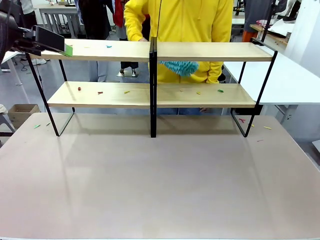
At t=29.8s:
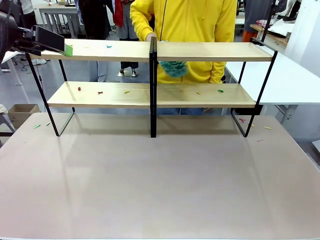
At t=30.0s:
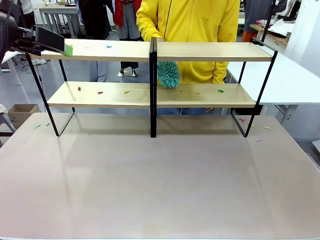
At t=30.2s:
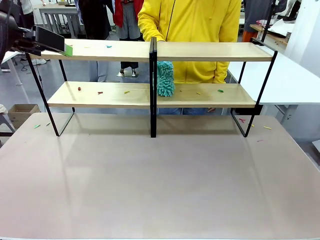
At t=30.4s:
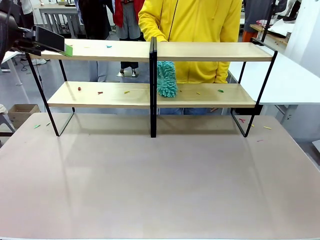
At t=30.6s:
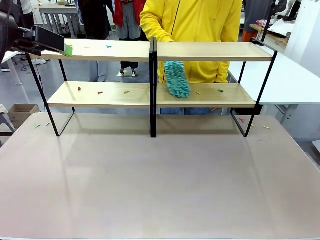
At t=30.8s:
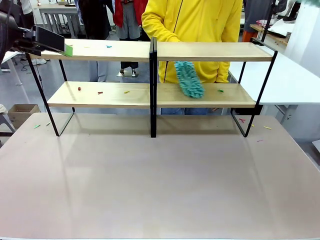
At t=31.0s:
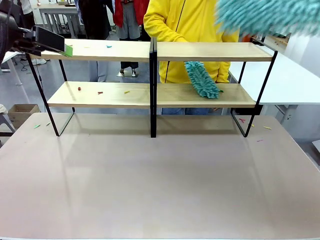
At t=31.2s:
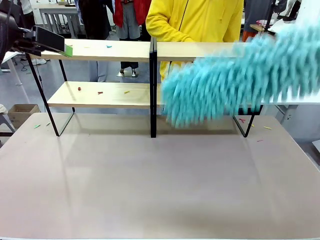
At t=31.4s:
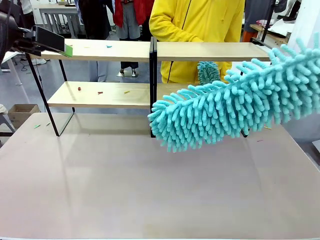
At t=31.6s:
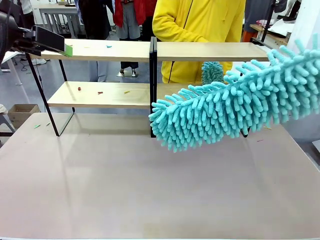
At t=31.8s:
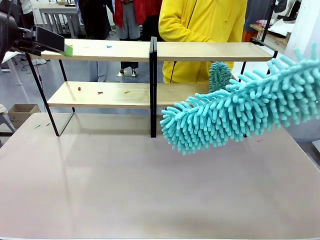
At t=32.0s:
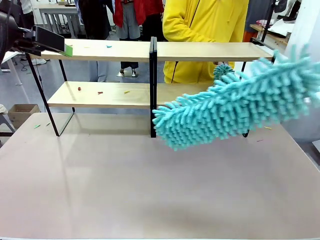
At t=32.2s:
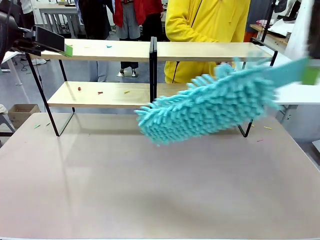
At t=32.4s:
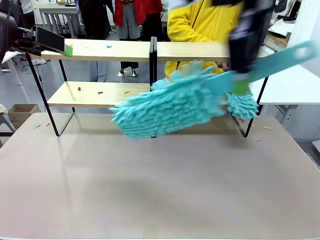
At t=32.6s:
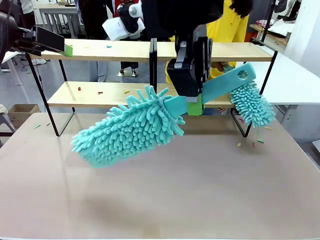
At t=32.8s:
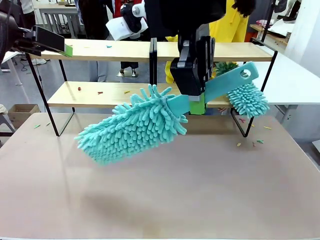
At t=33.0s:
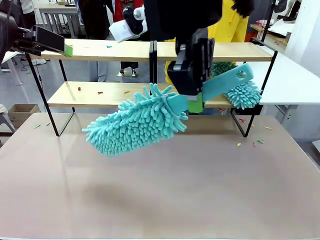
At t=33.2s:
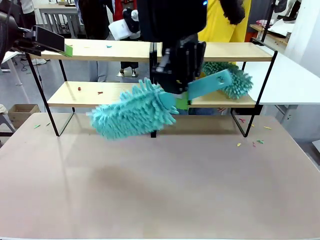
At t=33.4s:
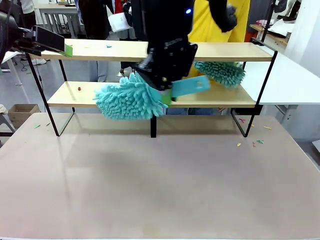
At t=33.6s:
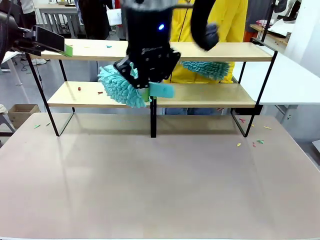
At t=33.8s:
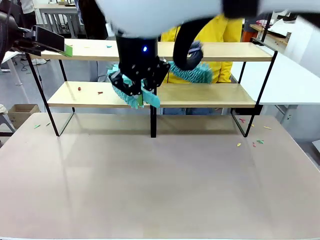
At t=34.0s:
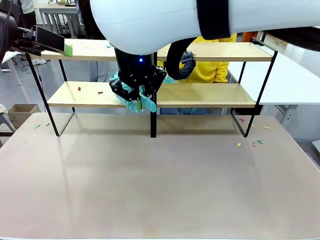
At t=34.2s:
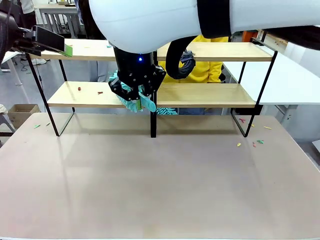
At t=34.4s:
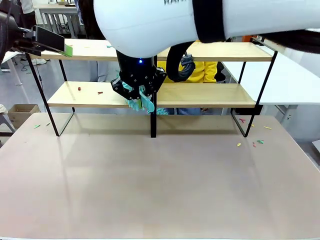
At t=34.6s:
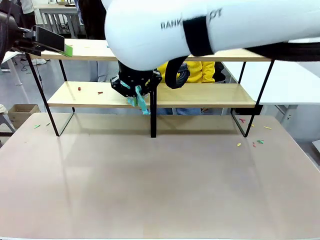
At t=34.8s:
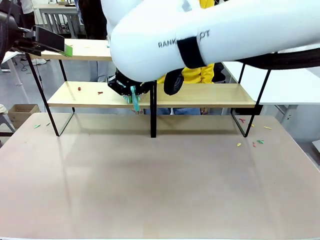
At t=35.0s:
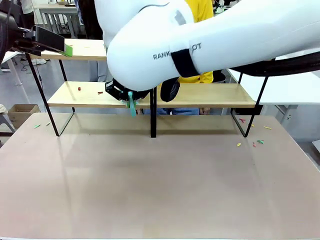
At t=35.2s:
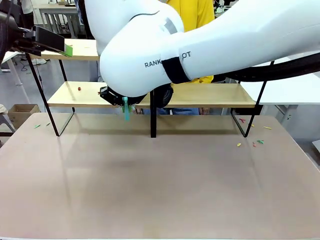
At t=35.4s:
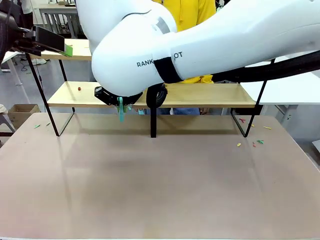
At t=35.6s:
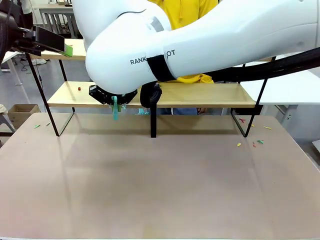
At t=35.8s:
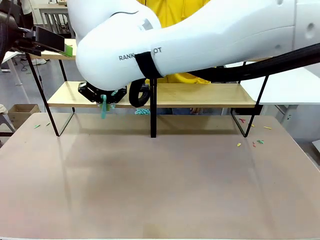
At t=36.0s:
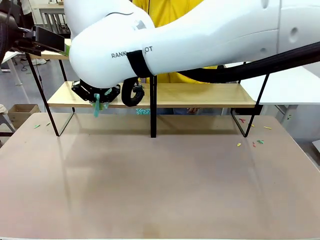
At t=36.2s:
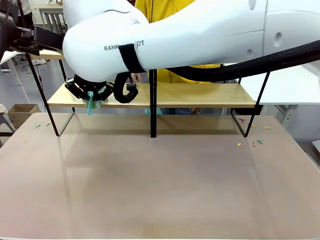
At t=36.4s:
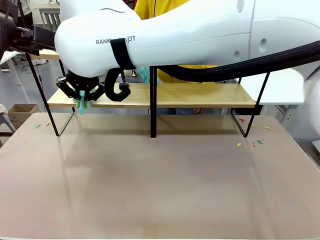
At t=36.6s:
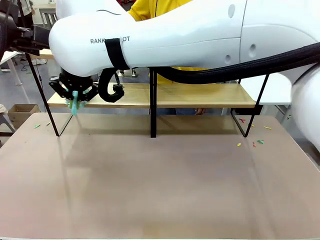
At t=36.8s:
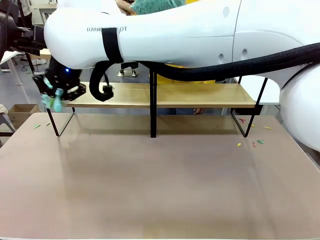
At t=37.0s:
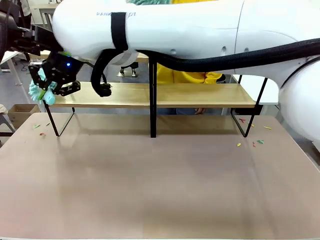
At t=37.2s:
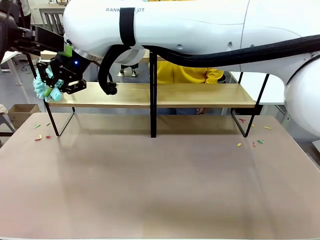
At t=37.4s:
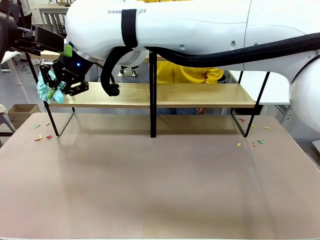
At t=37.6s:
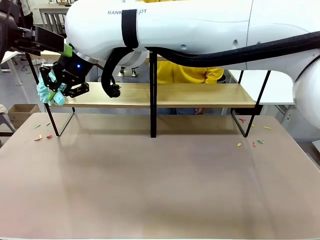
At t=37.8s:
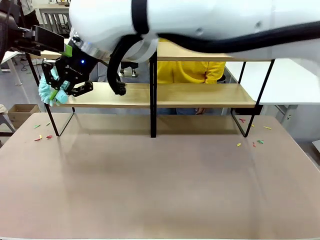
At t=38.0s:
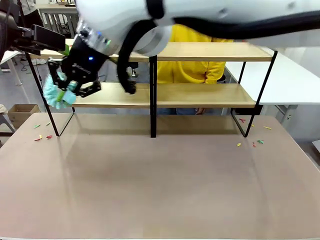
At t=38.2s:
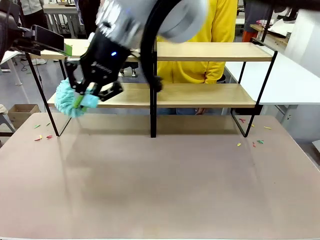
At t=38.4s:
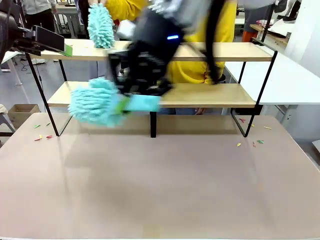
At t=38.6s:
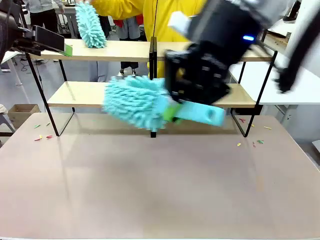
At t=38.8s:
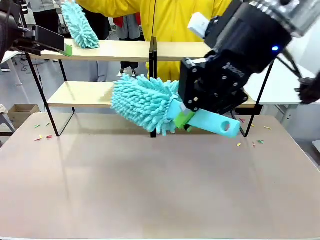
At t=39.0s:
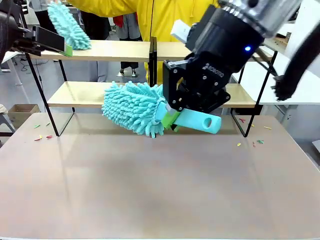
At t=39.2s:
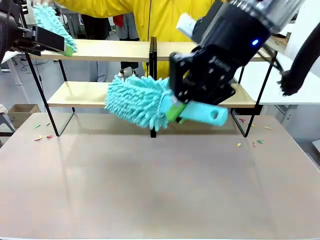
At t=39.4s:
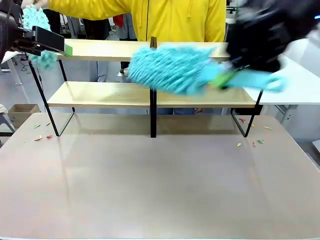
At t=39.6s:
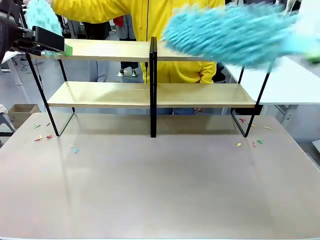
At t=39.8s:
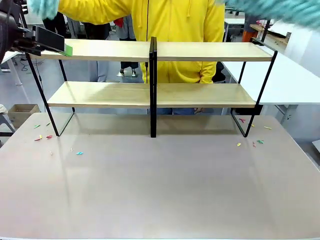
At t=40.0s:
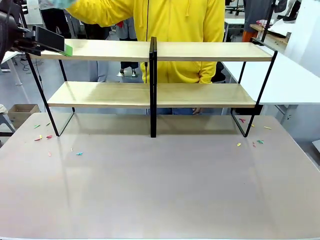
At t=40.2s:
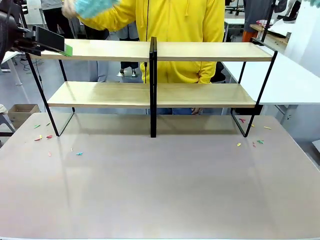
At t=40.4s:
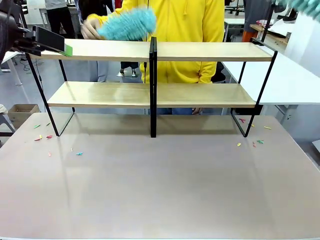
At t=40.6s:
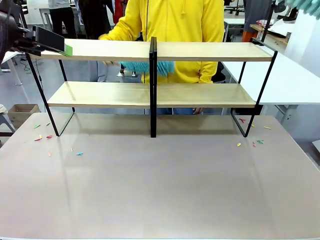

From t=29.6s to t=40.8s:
Task: Clean the shelves.
Robot: Clean another randomly selected level of the Shelf with the Duster.

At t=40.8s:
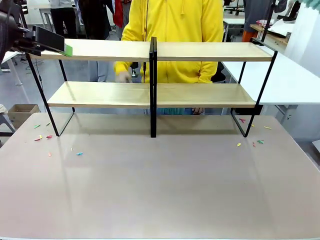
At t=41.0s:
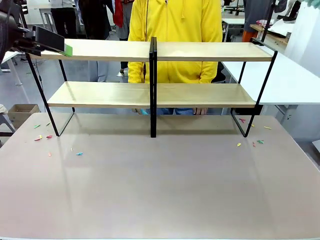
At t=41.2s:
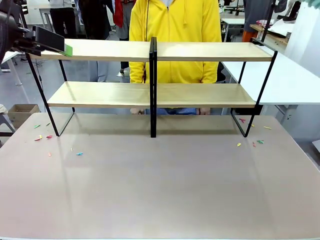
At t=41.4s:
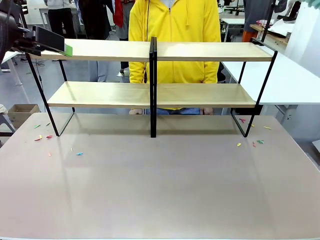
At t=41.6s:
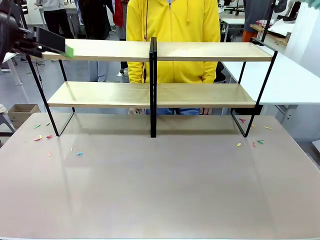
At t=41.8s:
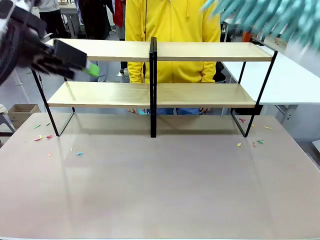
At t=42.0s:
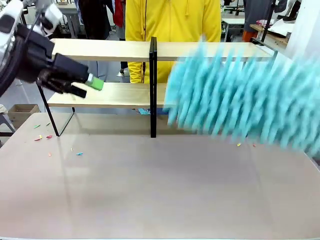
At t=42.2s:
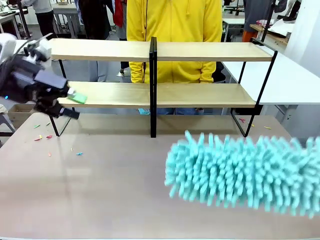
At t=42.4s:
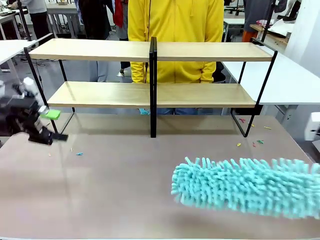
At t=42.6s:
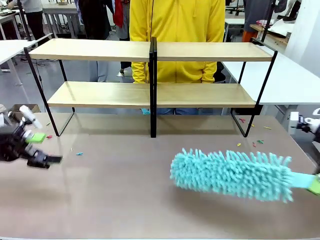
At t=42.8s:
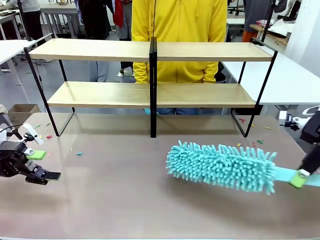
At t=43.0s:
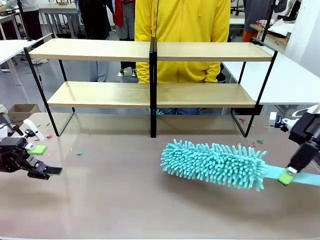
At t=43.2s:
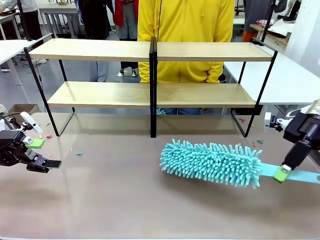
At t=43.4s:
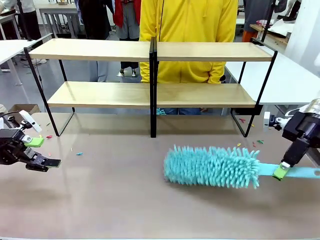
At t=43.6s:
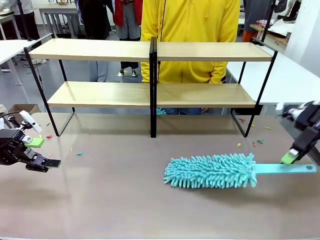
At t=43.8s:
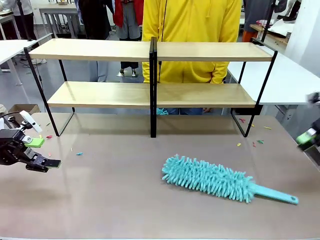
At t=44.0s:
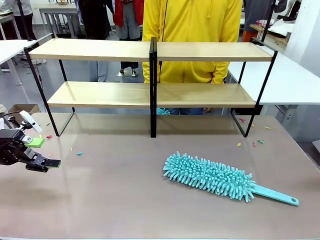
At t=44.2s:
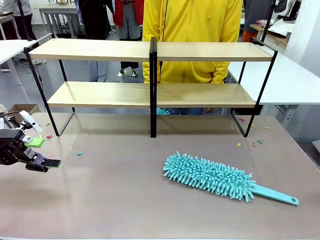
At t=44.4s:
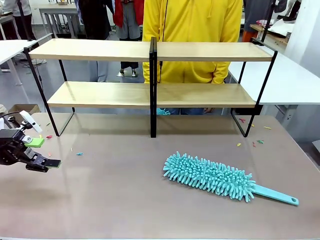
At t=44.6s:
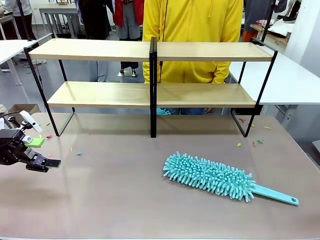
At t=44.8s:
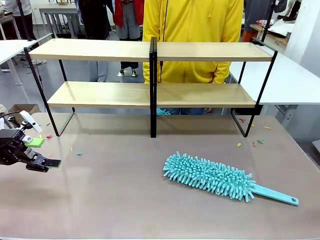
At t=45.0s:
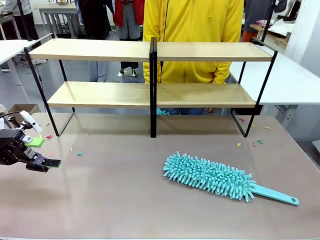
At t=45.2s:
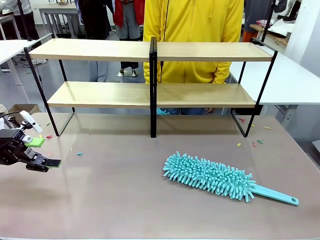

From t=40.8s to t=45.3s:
Robot: Place the Duster on the table.

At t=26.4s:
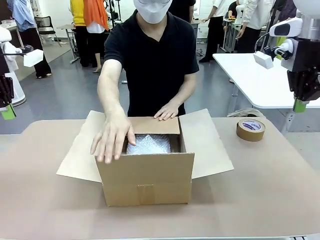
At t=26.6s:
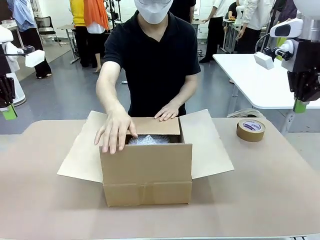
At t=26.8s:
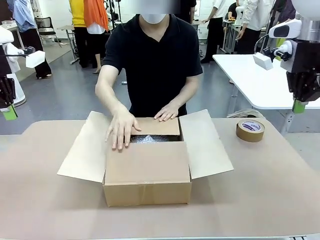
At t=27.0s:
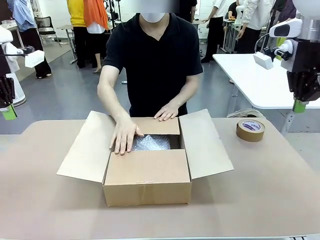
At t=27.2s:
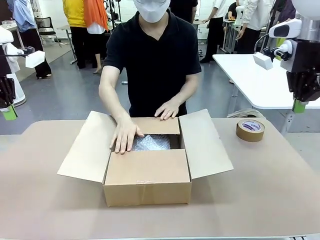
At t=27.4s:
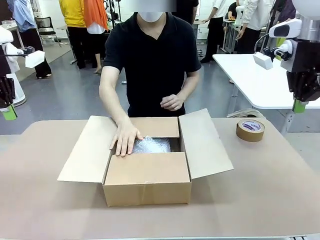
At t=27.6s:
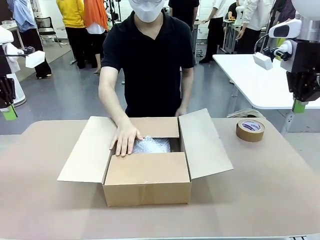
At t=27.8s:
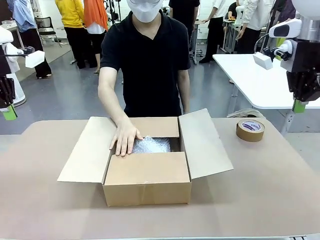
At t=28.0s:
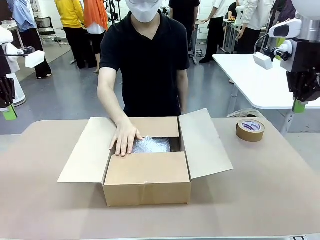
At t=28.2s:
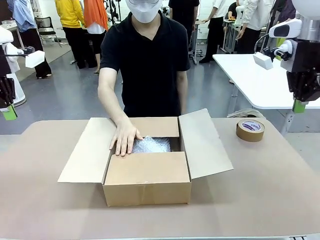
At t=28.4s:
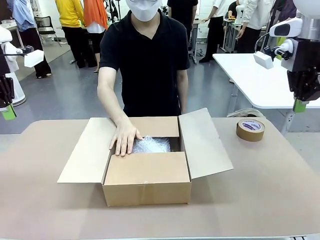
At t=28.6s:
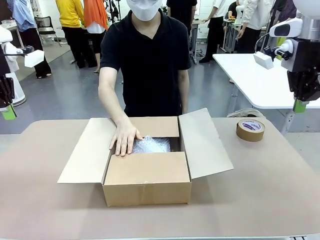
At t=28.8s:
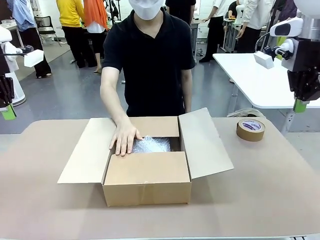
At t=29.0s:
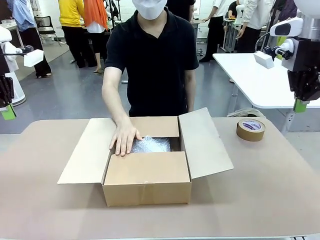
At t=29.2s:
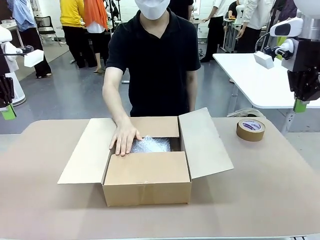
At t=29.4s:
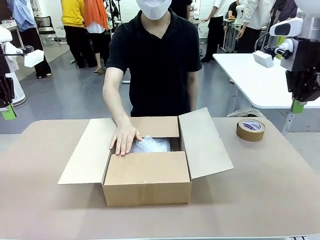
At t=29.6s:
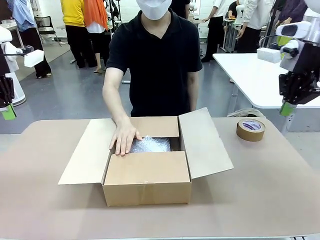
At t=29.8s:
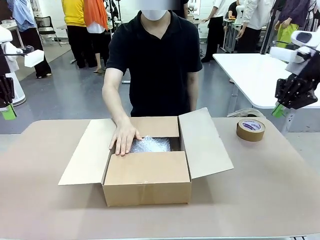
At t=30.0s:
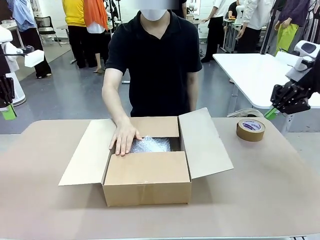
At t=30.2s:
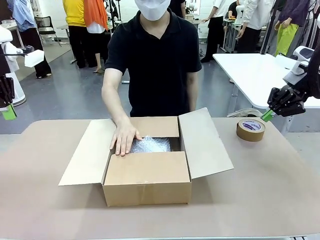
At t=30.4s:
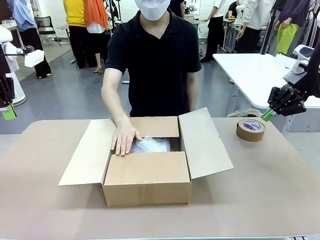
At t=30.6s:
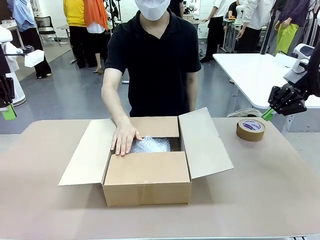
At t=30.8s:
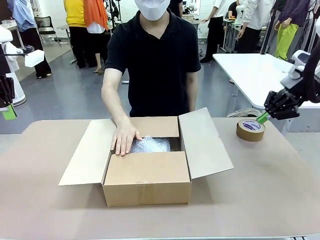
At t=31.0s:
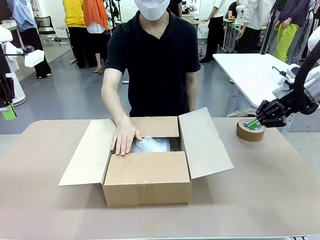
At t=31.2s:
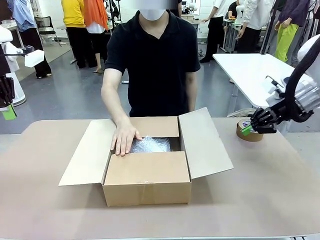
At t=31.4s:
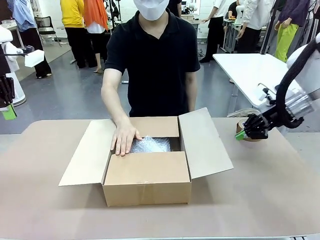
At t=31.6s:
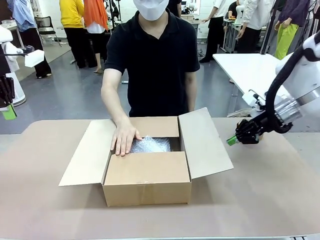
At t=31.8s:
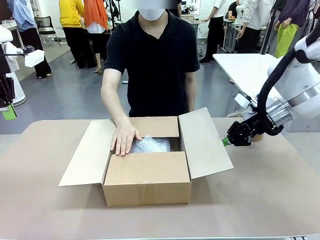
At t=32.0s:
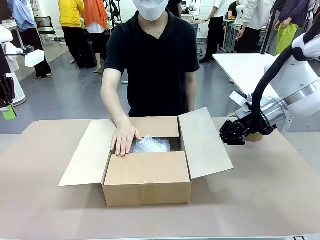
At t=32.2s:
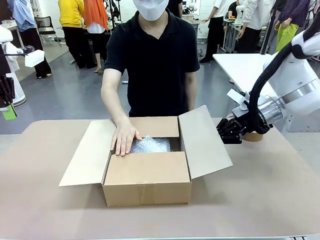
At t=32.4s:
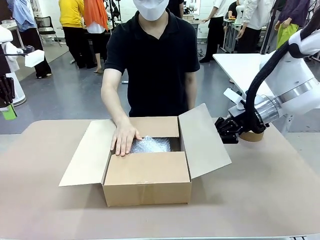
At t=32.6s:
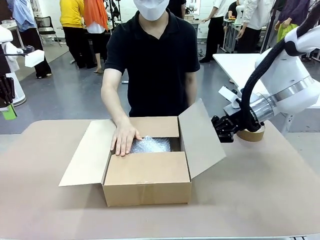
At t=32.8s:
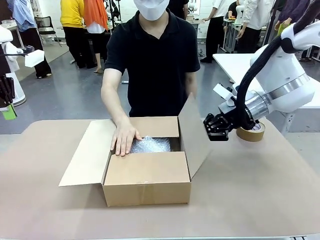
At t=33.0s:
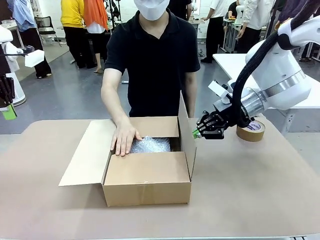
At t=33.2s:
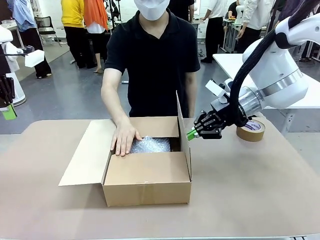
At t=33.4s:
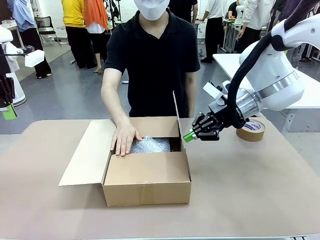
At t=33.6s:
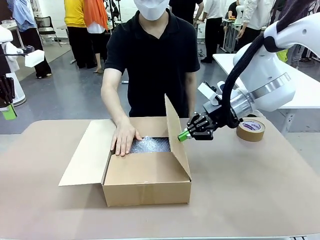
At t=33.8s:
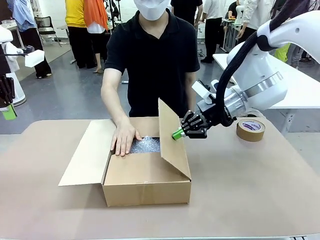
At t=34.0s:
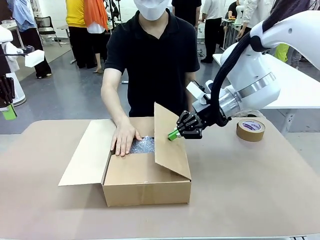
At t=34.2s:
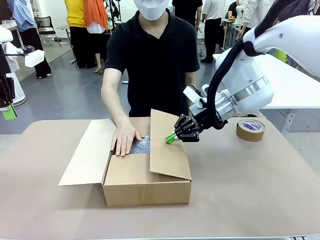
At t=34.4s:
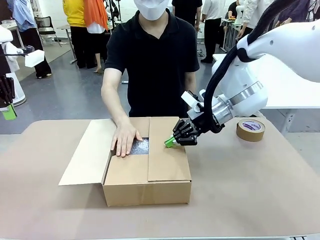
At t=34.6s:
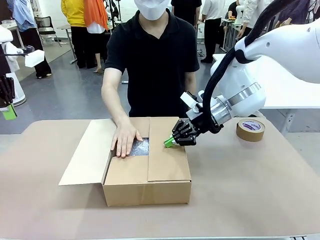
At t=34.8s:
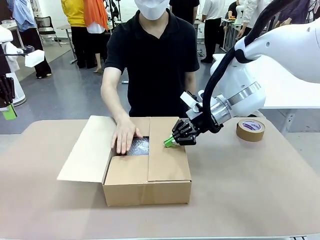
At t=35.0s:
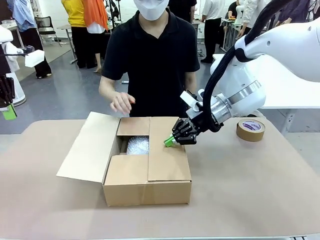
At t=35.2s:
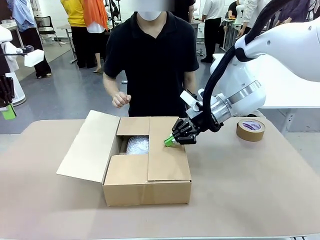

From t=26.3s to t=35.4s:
Task: Wrap the clocks to prevent damage.
Robot: Push the right (or left) flap of the Package Box to close it.
Person: Once the robot closes the right flap of the Package Box , release your left hand from the box.
